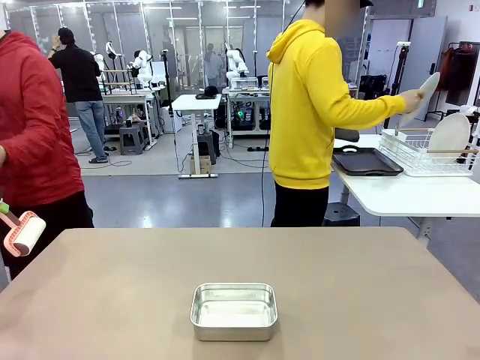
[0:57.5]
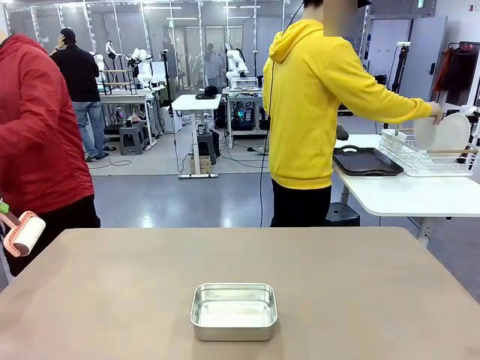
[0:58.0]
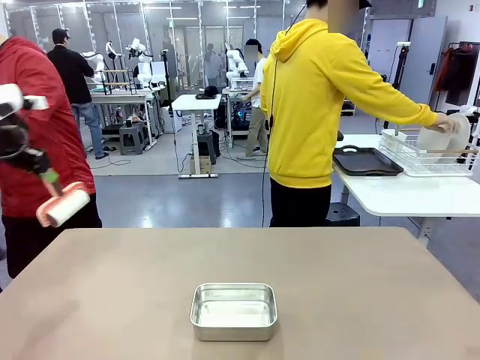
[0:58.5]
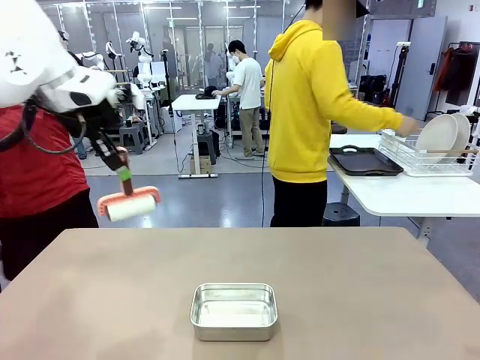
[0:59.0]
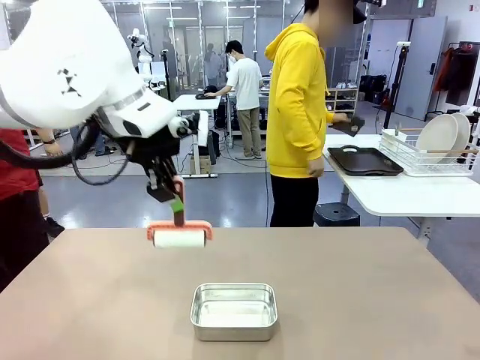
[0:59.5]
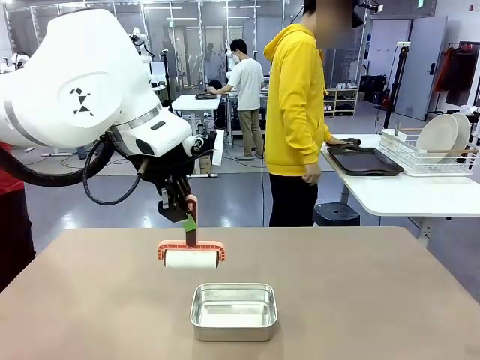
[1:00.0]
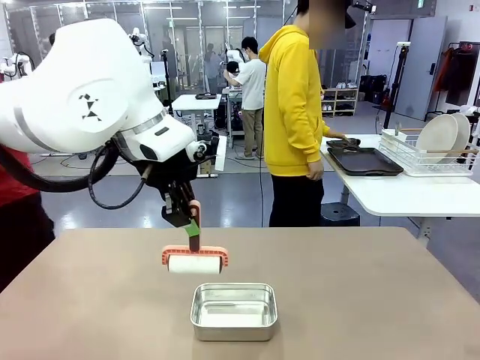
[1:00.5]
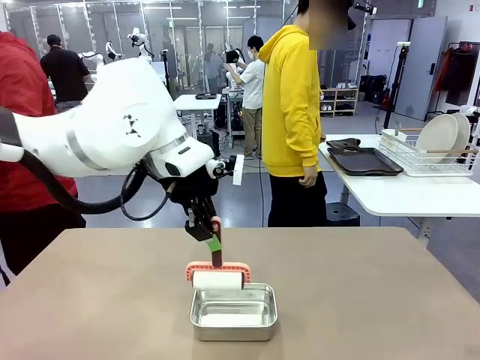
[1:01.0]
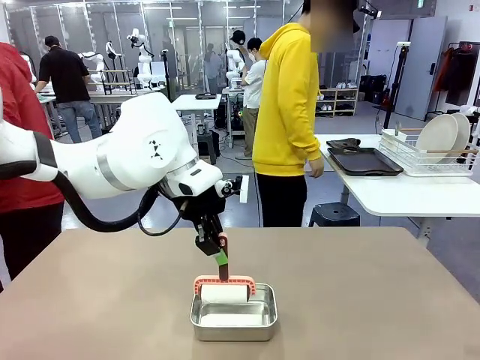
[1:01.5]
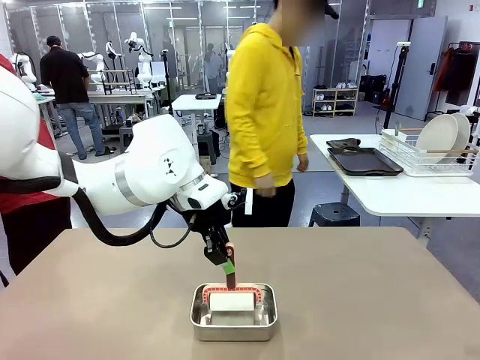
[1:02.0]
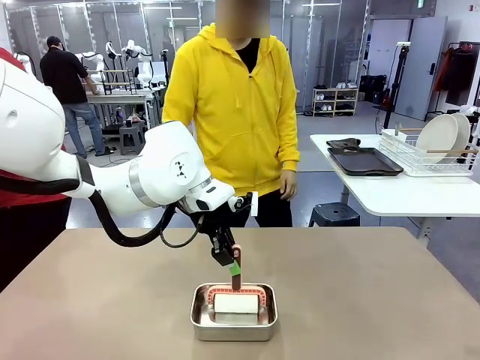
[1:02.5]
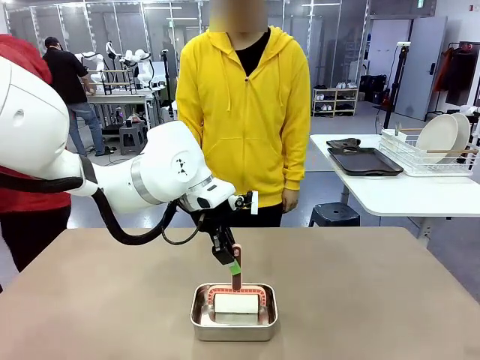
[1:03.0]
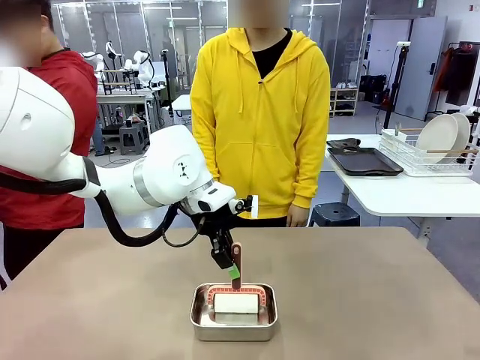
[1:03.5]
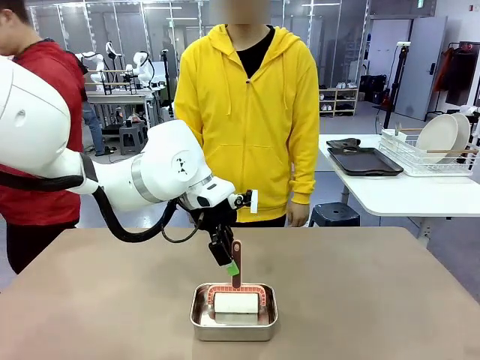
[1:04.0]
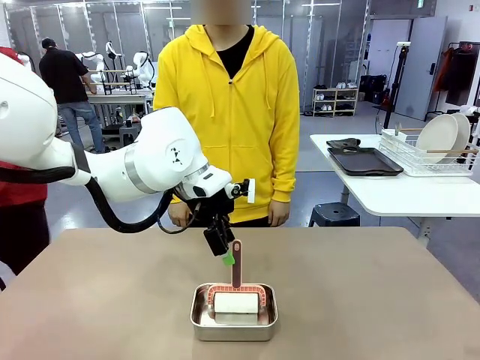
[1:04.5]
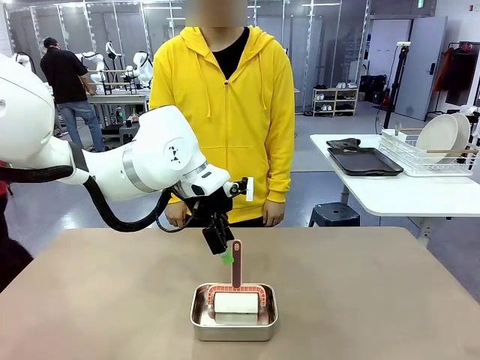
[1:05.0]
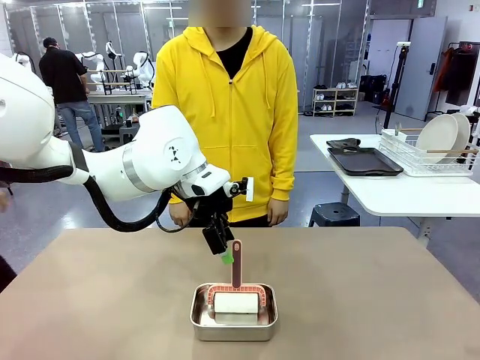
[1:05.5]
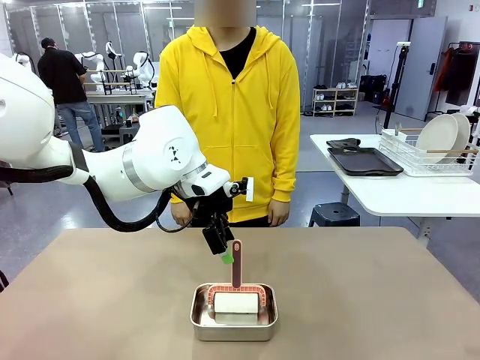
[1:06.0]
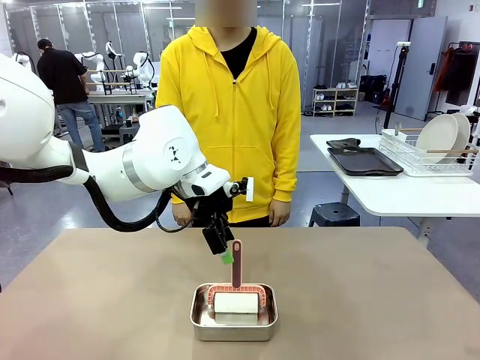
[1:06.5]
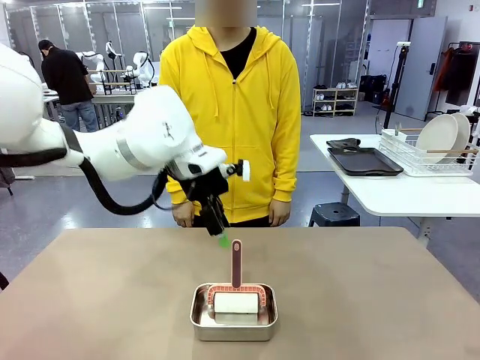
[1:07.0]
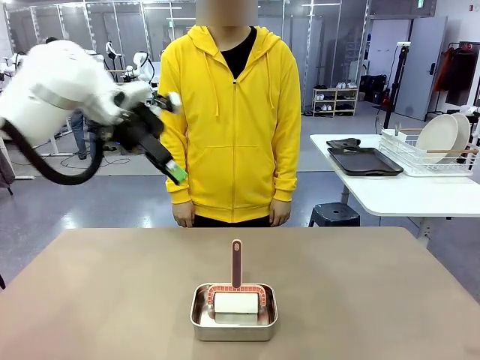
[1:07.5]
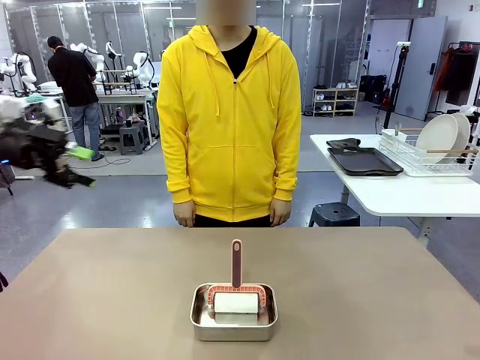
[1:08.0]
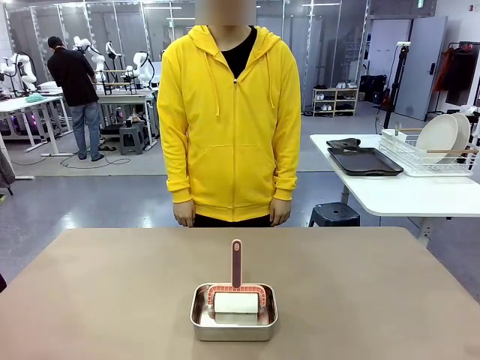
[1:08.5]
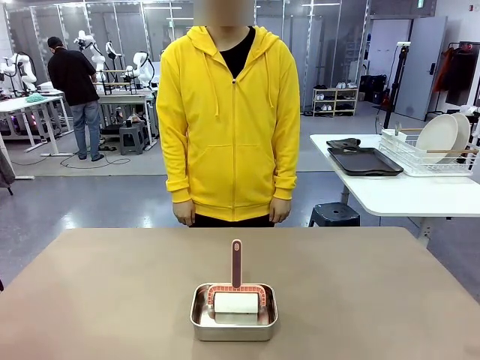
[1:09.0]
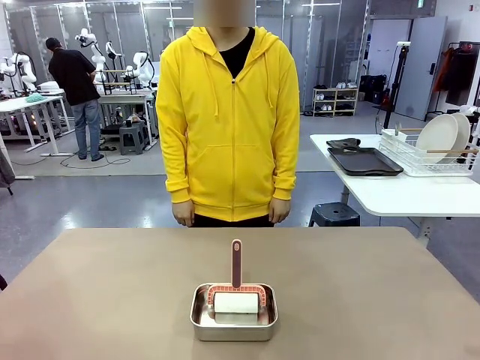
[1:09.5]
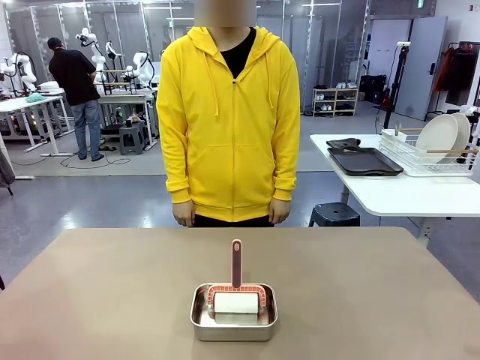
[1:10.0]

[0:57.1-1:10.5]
Robot: Place the Lint Roller back on top of the Airtight Container.

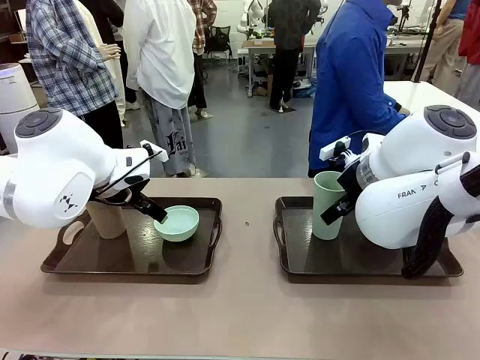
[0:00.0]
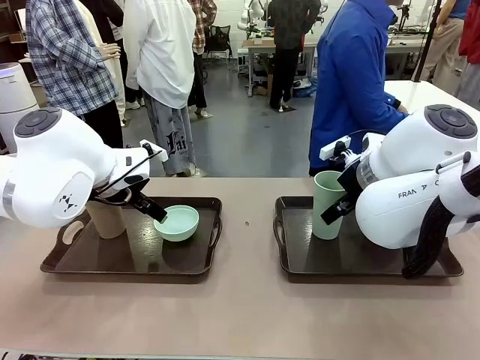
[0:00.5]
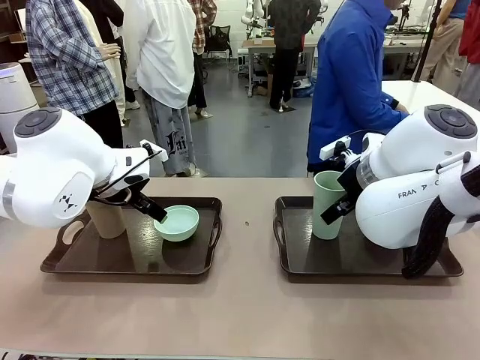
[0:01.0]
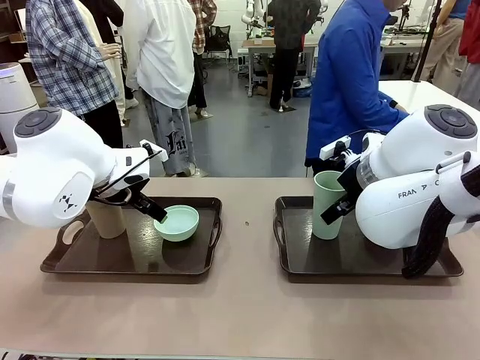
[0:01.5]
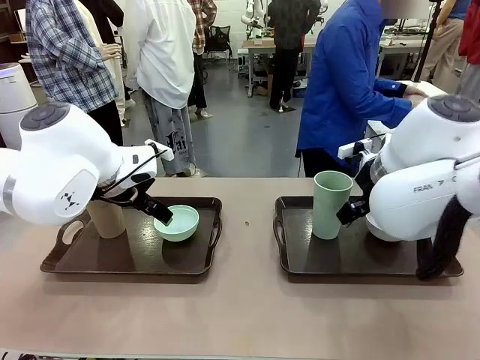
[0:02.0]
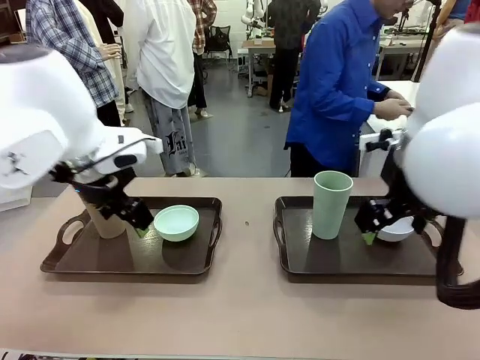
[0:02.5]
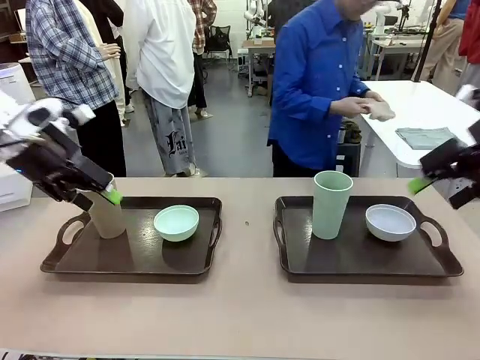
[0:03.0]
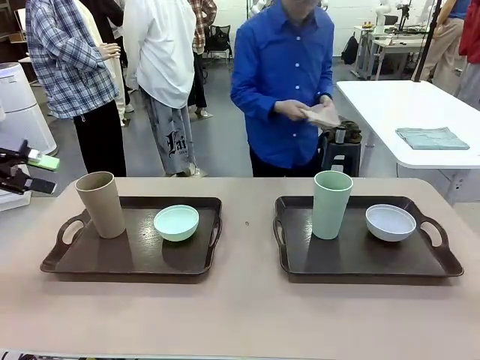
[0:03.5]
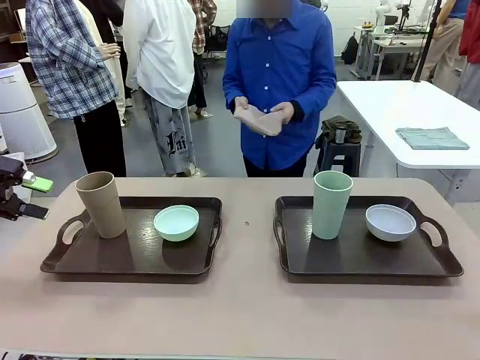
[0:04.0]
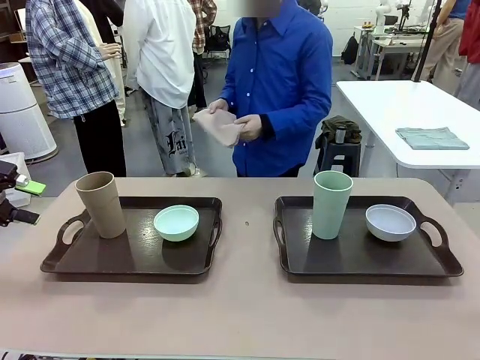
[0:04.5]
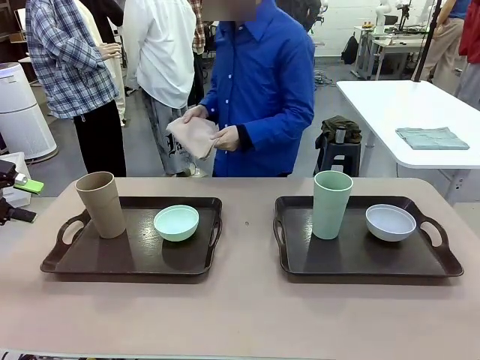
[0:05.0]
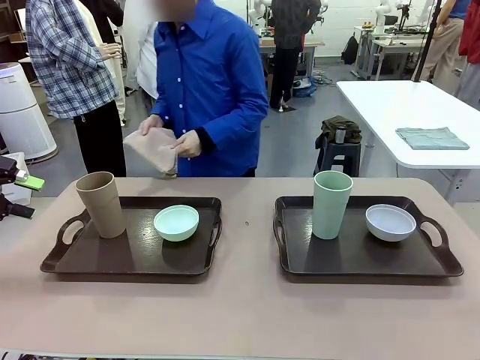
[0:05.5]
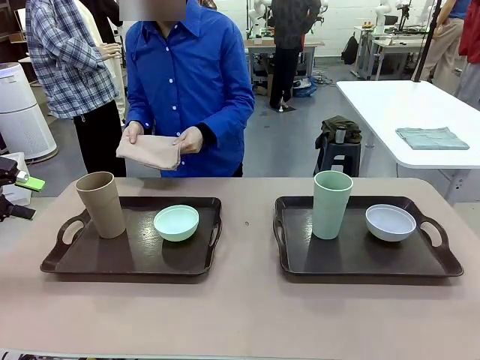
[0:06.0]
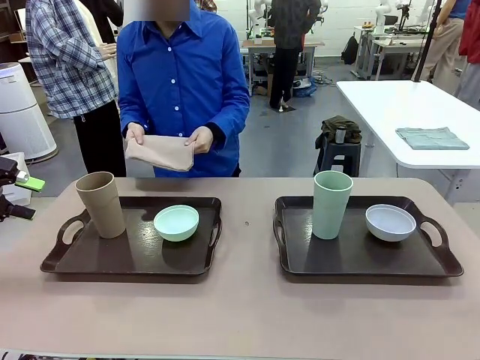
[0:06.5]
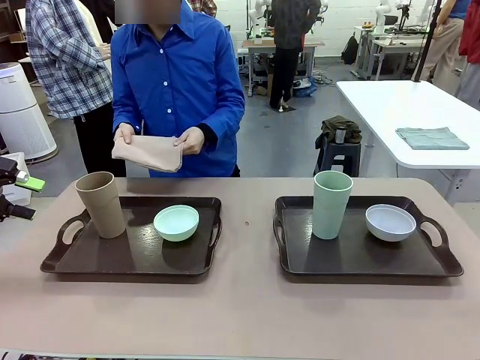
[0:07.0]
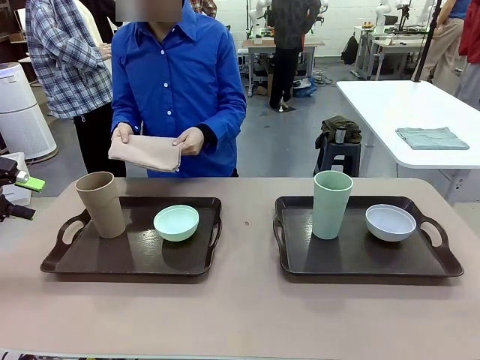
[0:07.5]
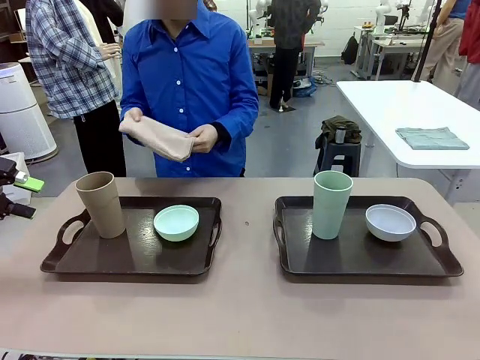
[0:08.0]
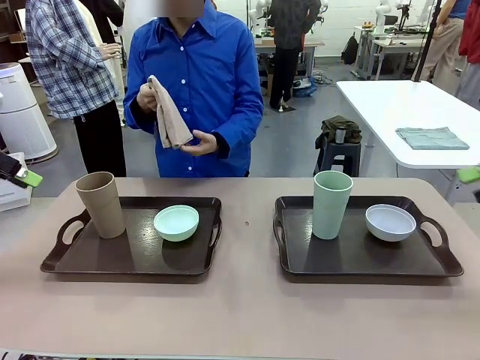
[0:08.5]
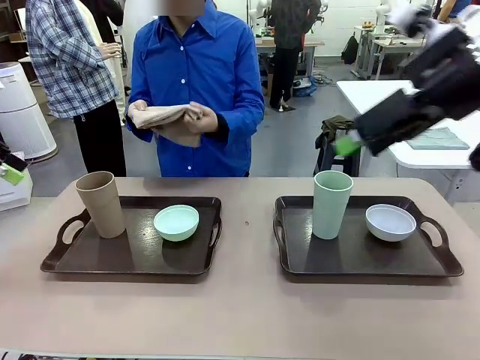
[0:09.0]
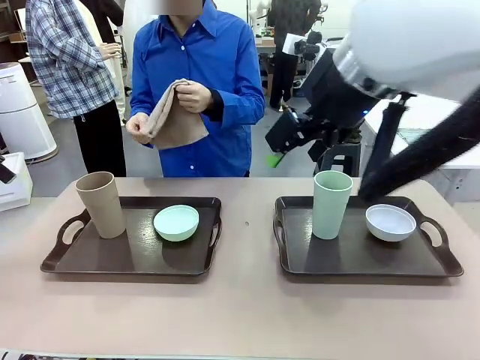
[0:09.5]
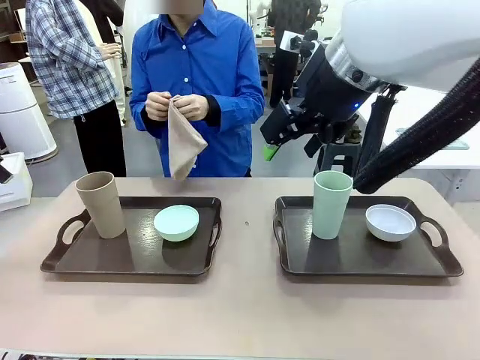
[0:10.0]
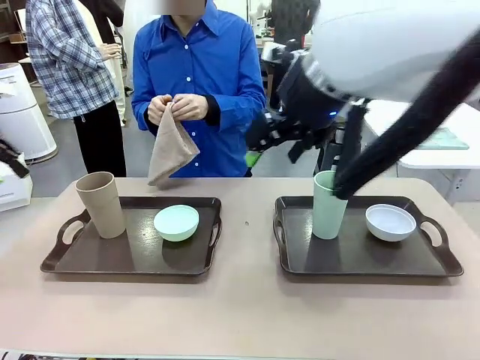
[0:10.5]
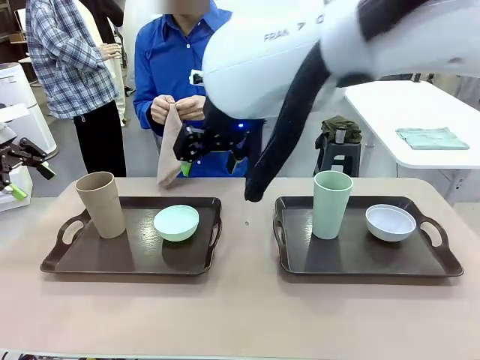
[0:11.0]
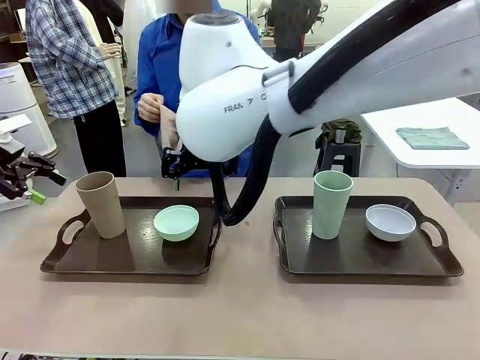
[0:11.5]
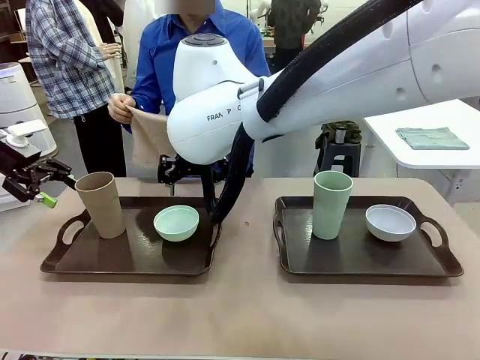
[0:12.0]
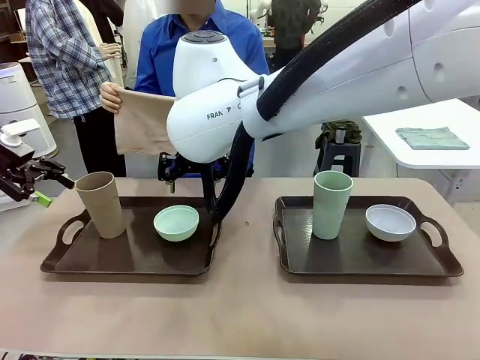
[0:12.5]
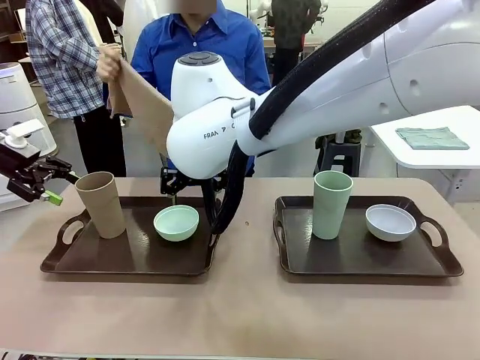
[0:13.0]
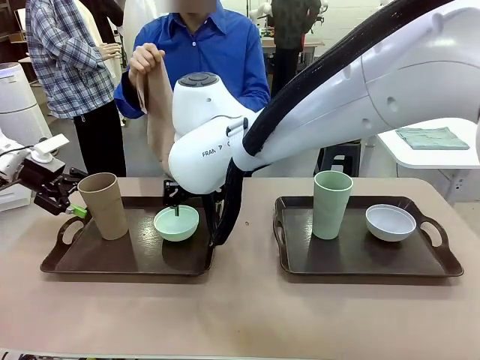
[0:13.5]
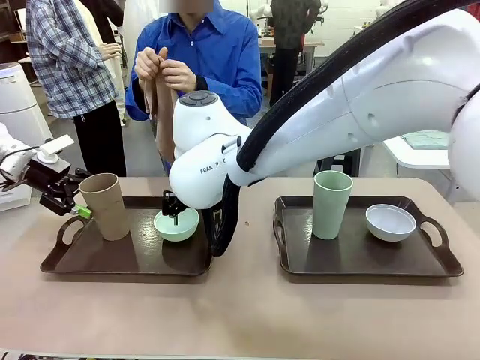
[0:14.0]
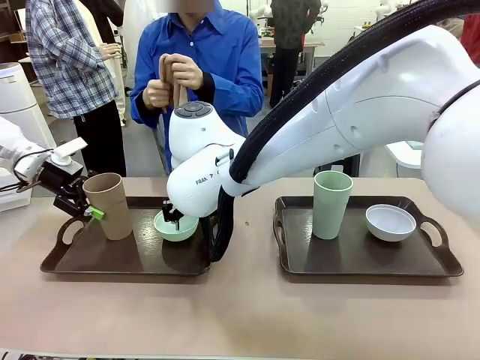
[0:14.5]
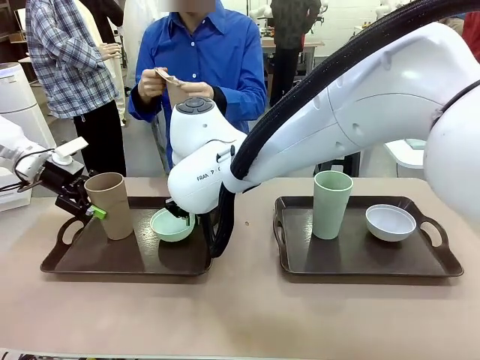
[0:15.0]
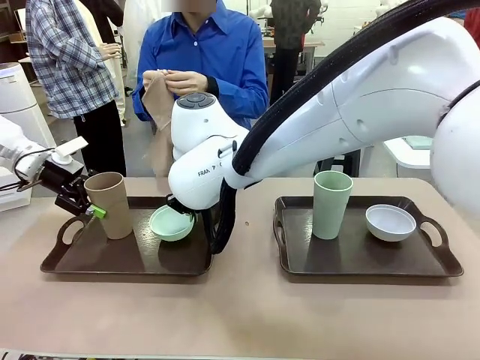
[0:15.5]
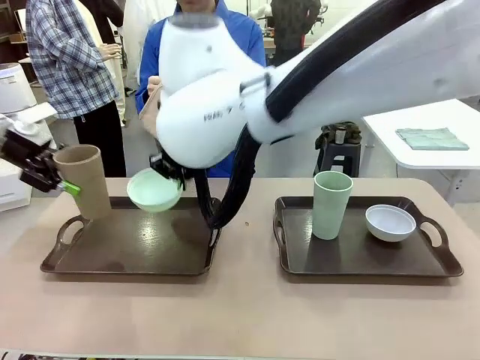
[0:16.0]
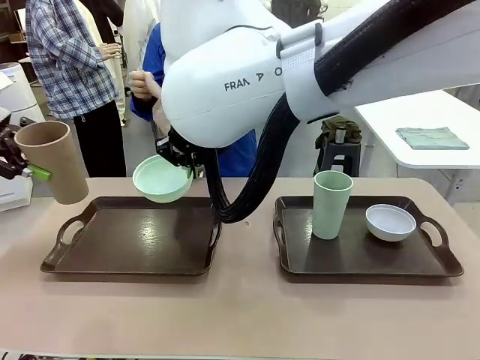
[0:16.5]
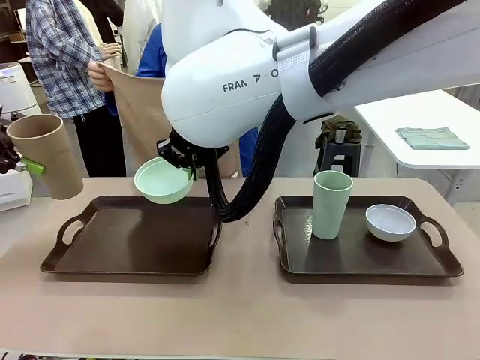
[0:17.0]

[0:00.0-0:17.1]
Robot: Pick up the Picnic Bowl and Reusable plastic cup from the Handle tray in front of the human's position and hold them in the air.
Person: The human picks up the top napkin from the stack on the human table and walks to the robot table to stand in front of one of the two trays. When the robot lifts the bowl and the cup, the human unfolds the napkin and lays the napkin flat on the tray.
